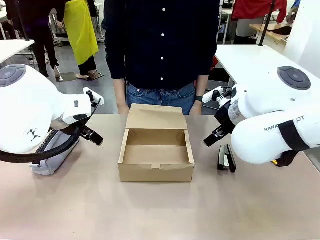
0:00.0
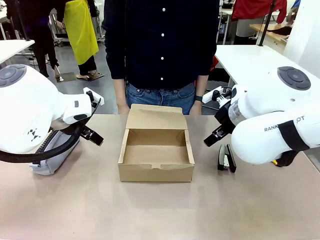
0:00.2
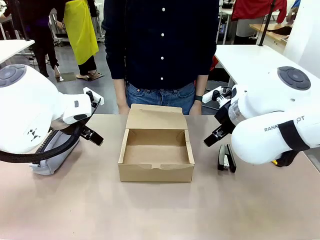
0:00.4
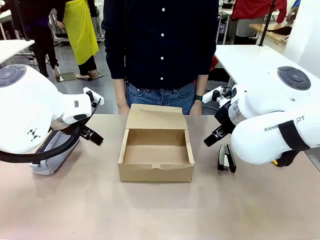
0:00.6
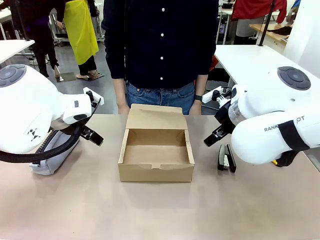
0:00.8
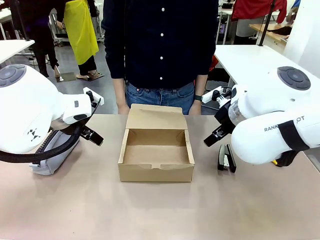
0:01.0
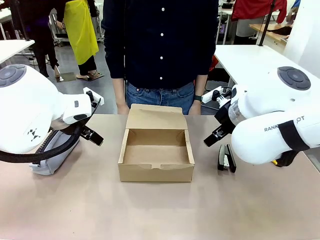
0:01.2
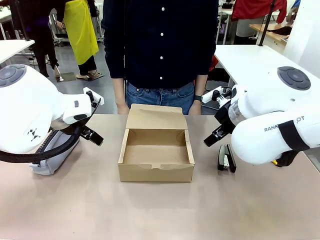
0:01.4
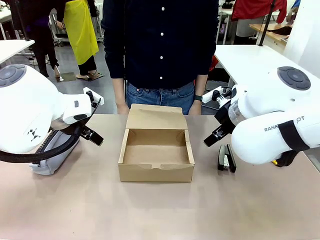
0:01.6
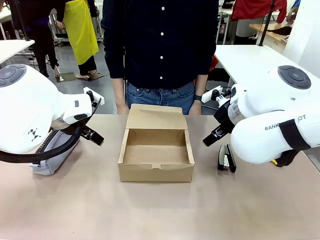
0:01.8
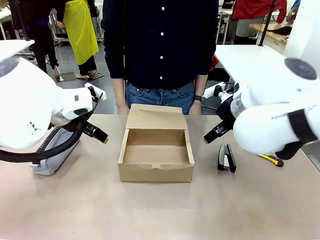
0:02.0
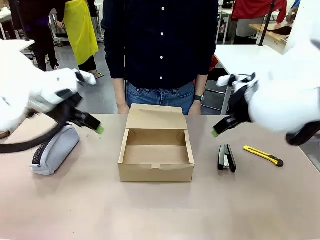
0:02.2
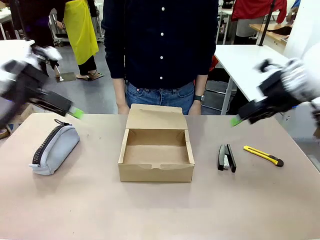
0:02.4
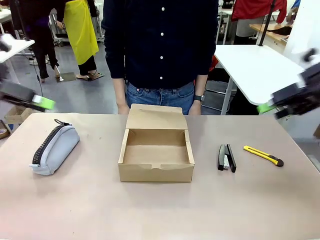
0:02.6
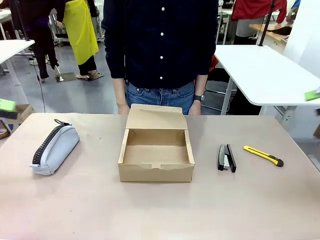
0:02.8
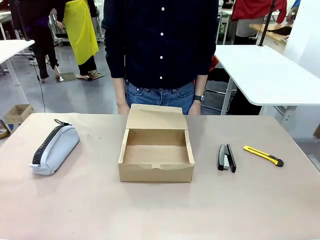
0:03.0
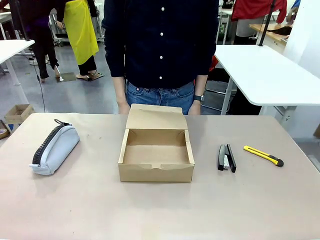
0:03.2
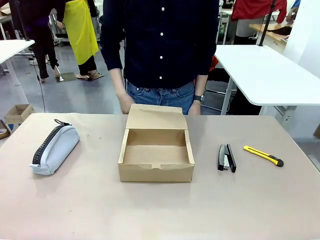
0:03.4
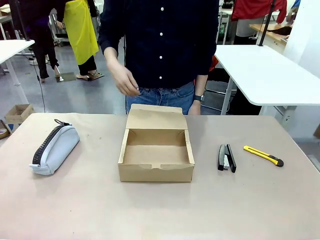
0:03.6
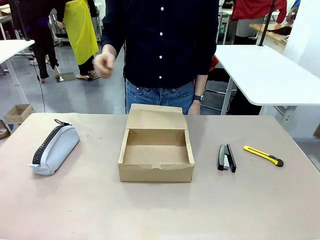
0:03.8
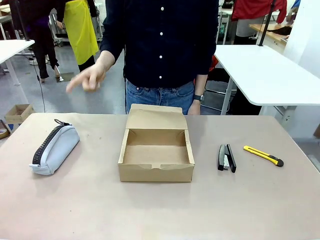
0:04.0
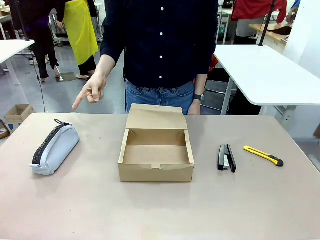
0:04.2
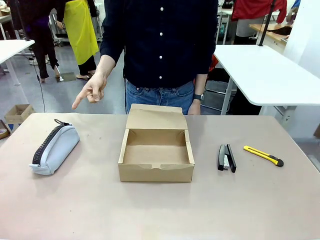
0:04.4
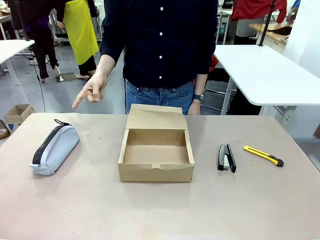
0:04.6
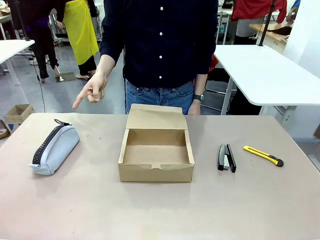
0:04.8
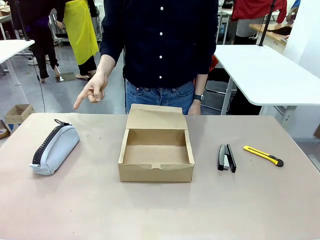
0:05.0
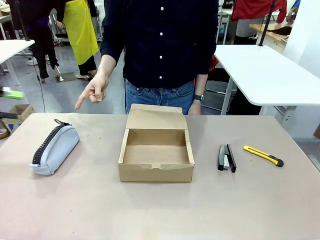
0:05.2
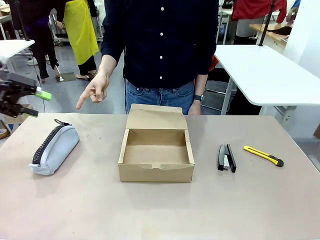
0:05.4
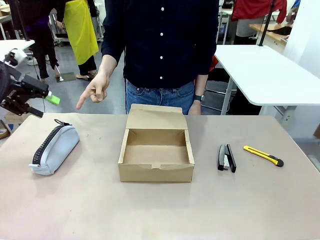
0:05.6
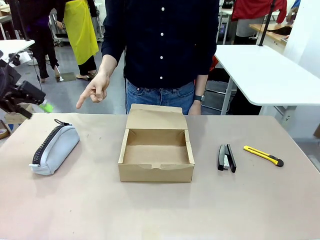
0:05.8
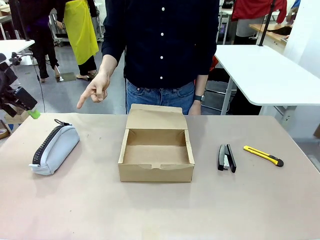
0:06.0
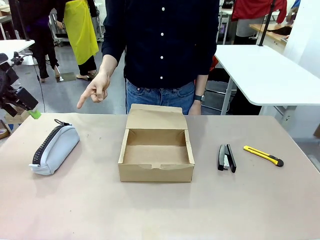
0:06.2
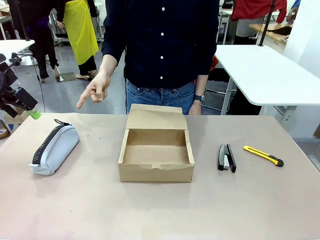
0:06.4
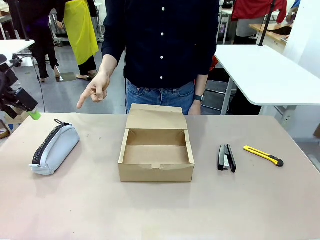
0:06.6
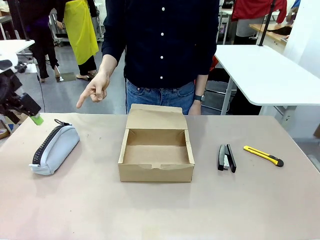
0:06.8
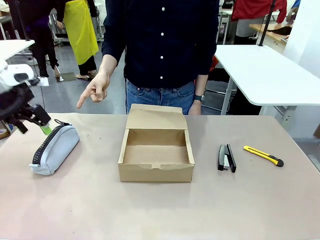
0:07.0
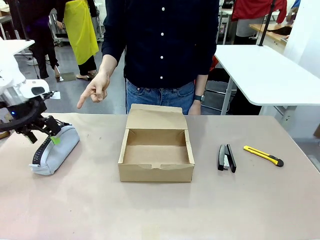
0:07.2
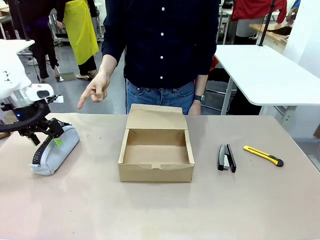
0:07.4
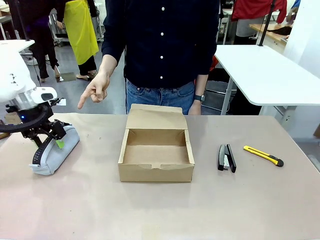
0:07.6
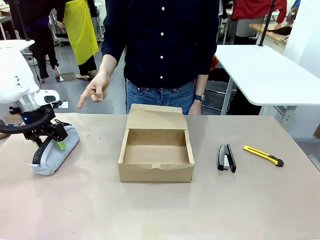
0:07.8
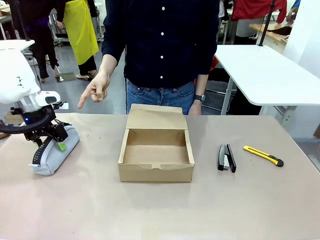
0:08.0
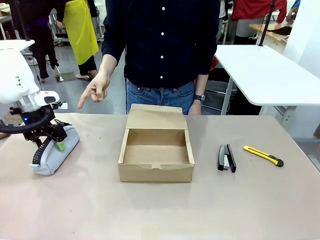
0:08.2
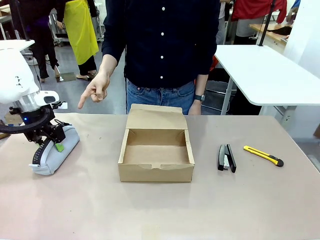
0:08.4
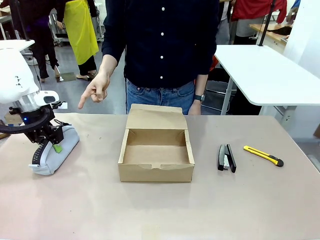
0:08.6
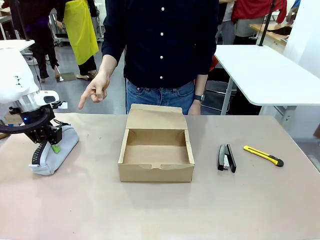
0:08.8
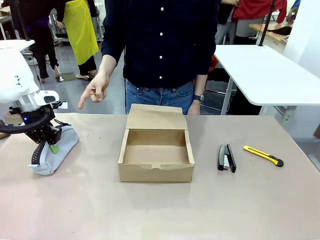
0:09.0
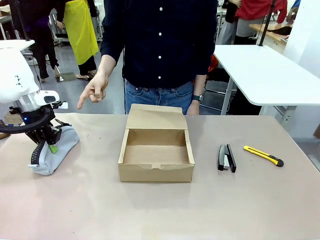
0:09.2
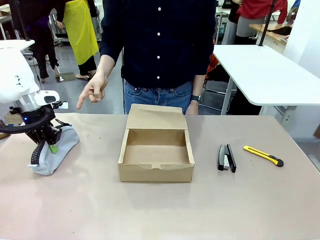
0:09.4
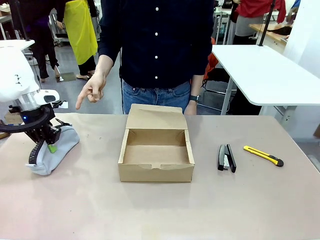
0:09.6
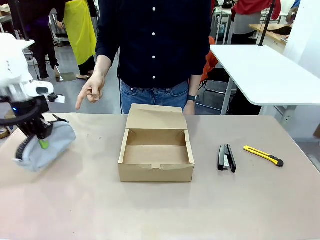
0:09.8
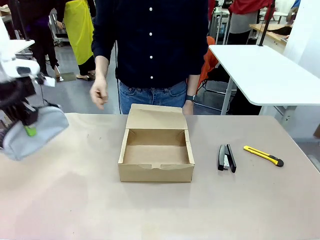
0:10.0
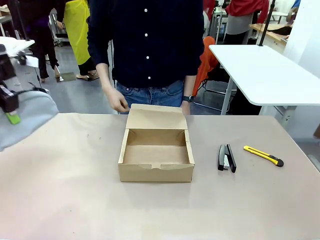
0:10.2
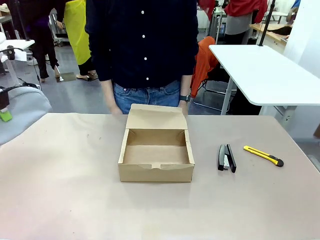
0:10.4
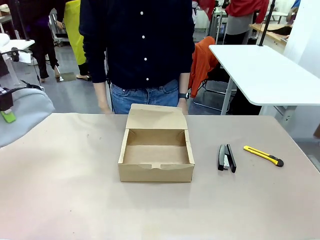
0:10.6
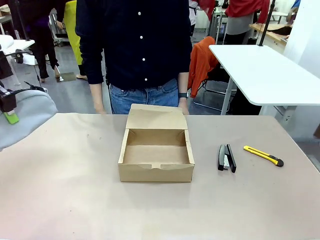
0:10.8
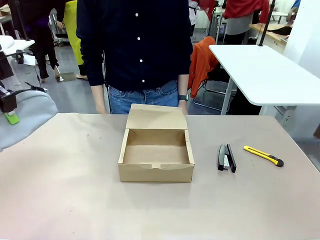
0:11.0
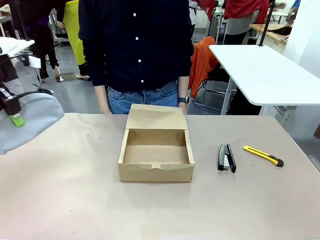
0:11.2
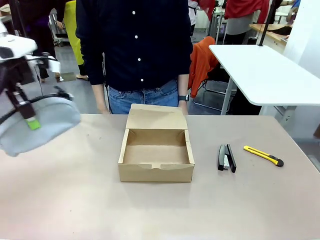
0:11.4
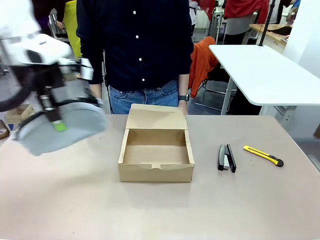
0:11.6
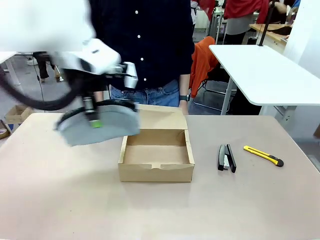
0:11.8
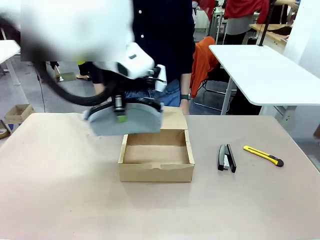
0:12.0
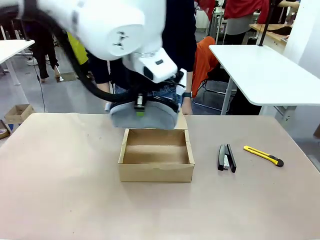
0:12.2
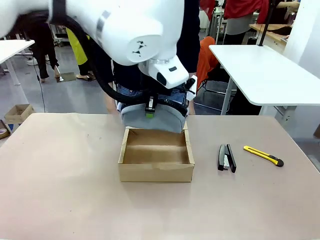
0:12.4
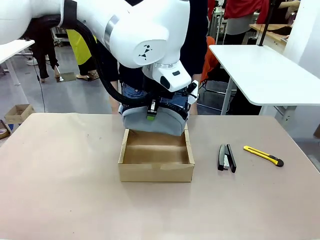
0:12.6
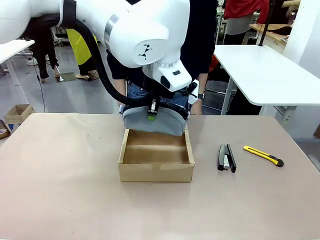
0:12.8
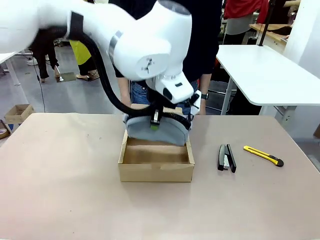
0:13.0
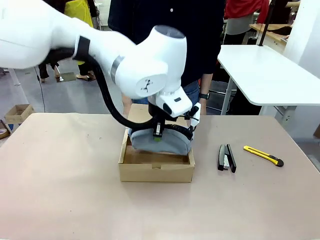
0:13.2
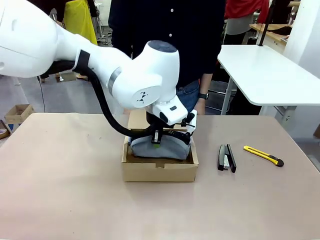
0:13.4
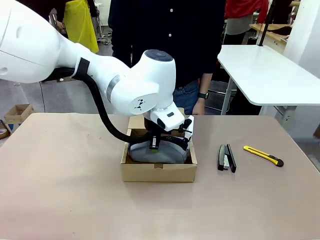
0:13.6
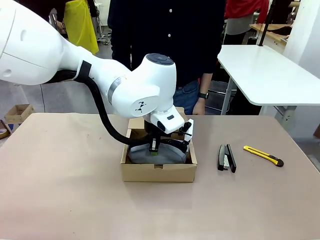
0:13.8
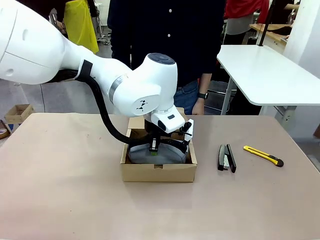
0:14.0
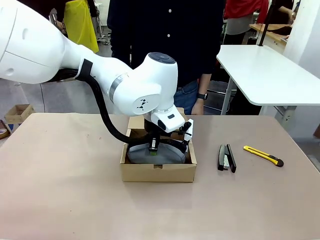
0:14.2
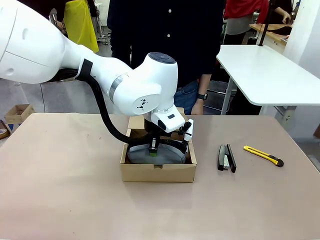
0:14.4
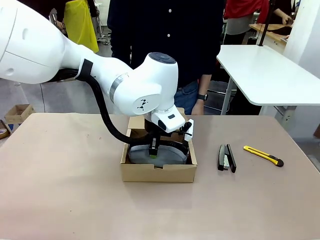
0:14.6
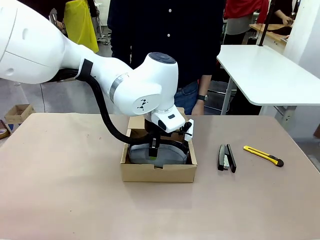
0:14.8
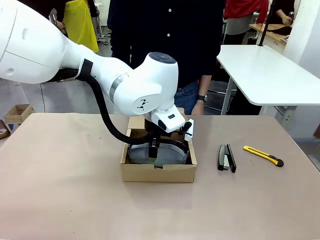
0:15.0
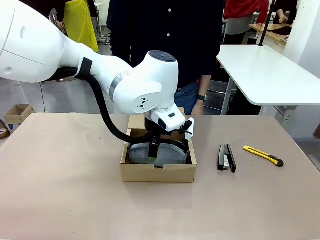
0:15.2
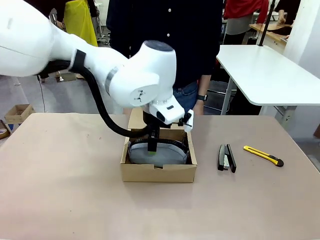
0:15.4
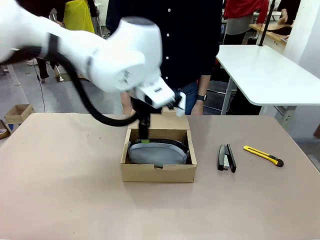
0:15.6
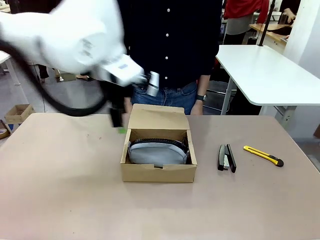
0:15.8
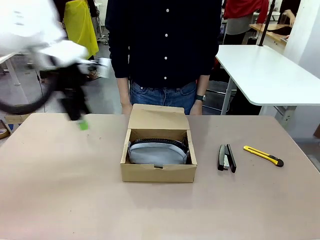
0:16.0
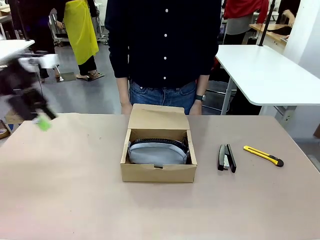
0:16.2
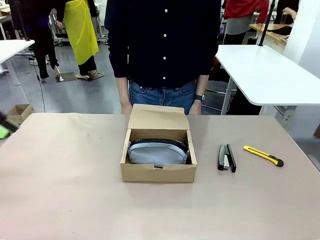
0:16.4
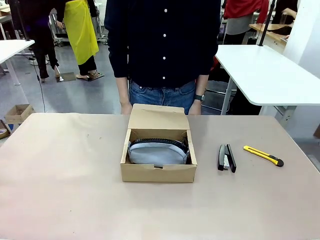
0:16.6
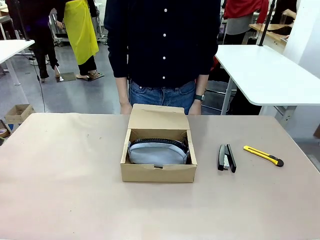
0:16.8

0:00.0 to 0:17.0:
Task: Pack the item into the box.
Robot: Pick up the item indicated by the person and place it inside the Mailer Box.
Person: Point at one item on the table (excluding the box). Lower both hands vertically with palms facing downward, as if pressing something closed.
